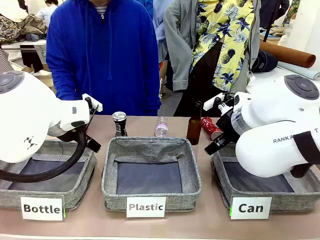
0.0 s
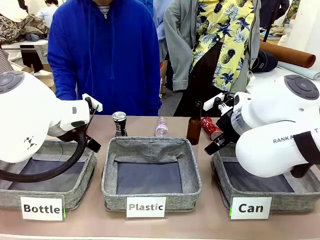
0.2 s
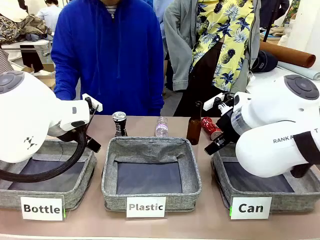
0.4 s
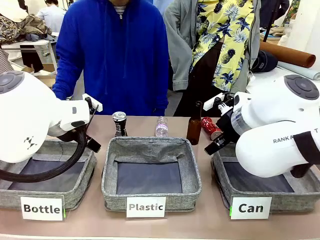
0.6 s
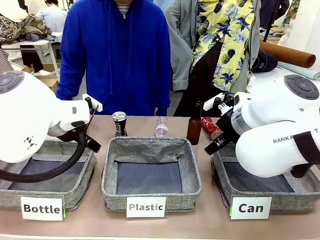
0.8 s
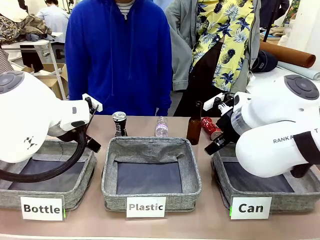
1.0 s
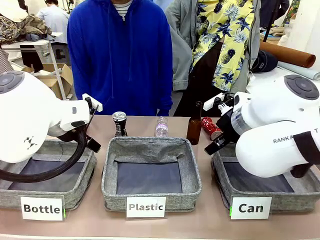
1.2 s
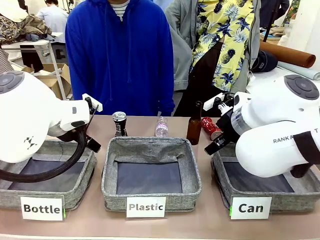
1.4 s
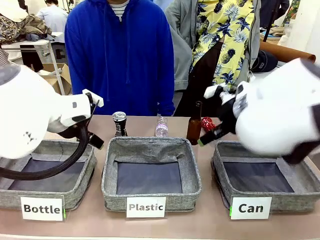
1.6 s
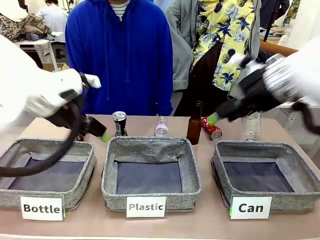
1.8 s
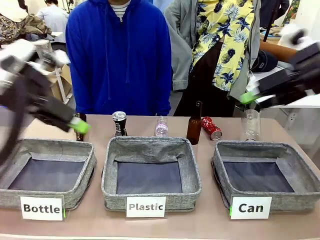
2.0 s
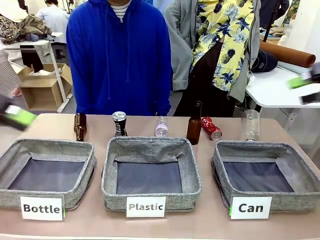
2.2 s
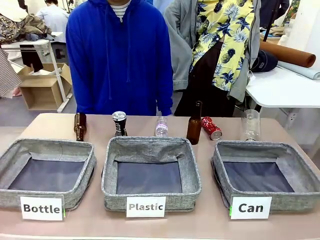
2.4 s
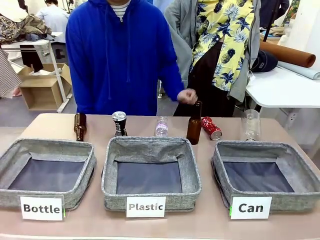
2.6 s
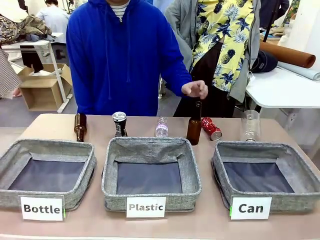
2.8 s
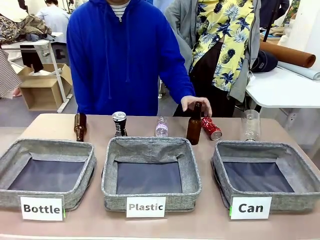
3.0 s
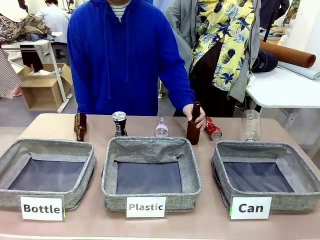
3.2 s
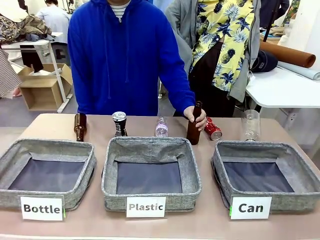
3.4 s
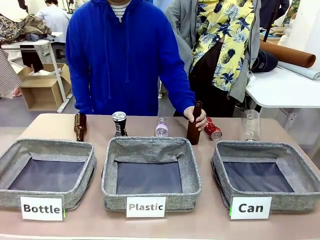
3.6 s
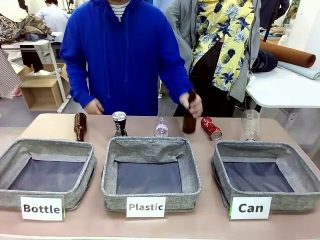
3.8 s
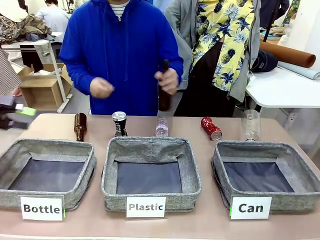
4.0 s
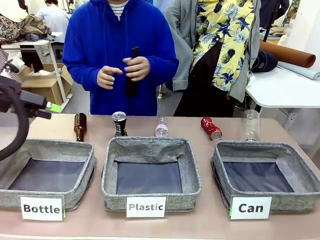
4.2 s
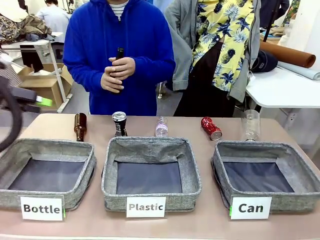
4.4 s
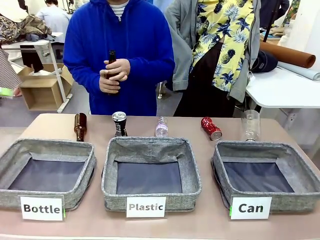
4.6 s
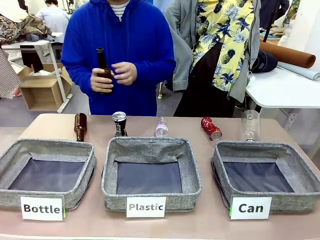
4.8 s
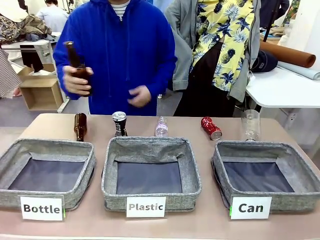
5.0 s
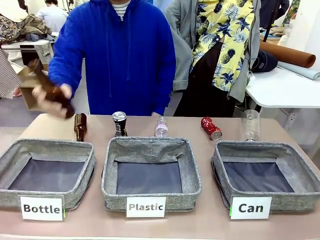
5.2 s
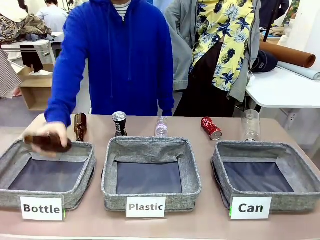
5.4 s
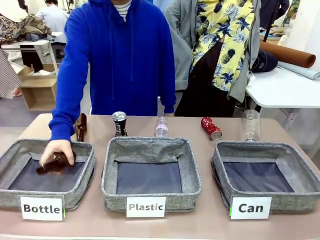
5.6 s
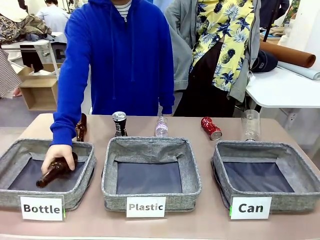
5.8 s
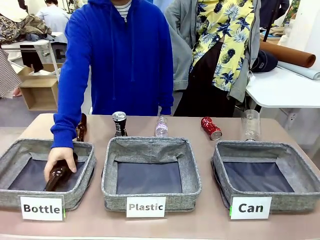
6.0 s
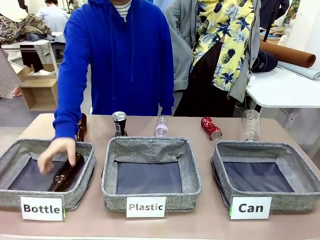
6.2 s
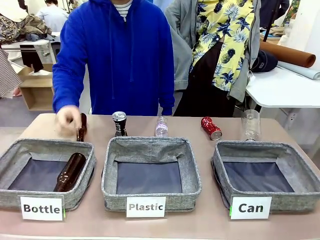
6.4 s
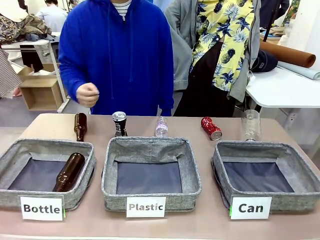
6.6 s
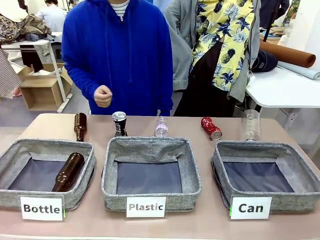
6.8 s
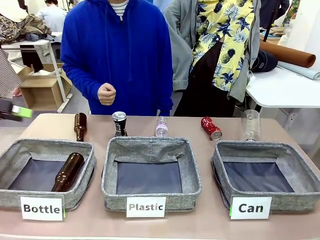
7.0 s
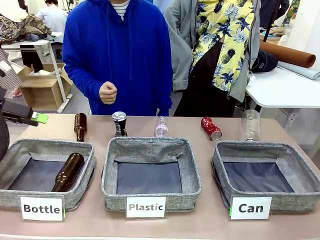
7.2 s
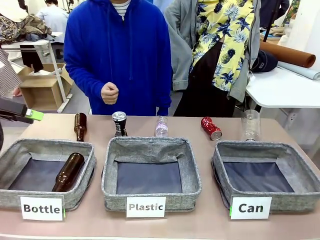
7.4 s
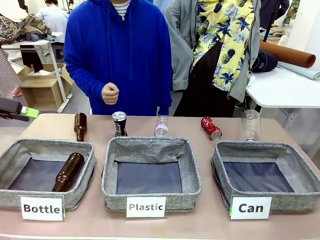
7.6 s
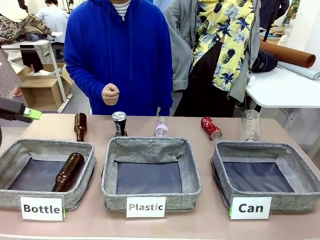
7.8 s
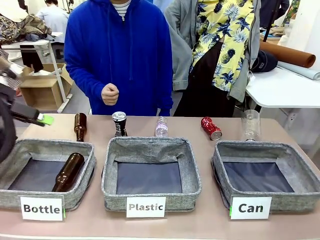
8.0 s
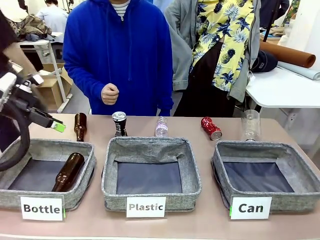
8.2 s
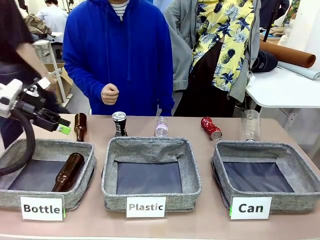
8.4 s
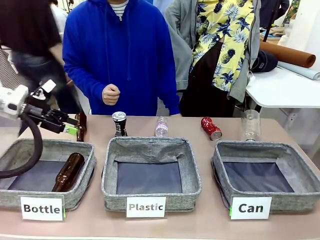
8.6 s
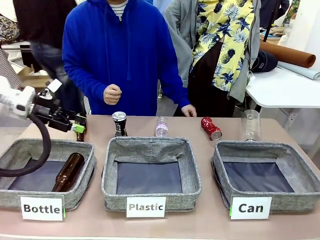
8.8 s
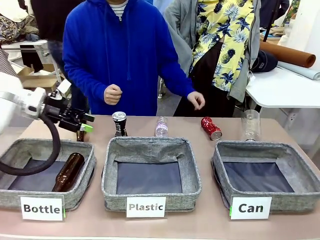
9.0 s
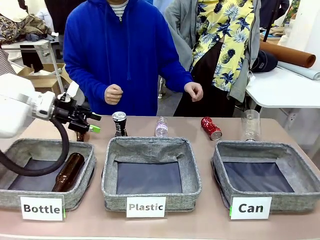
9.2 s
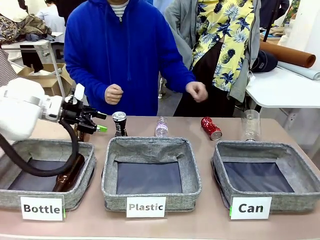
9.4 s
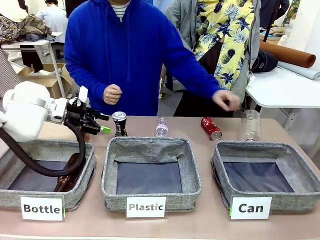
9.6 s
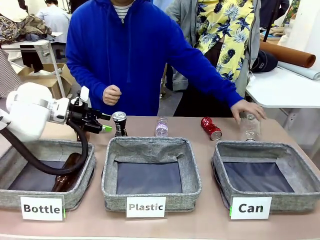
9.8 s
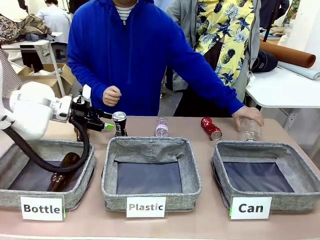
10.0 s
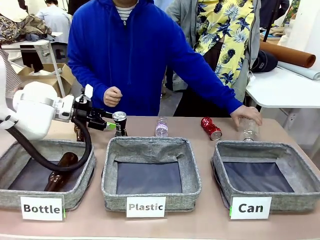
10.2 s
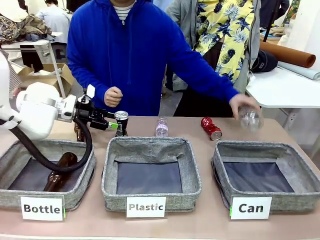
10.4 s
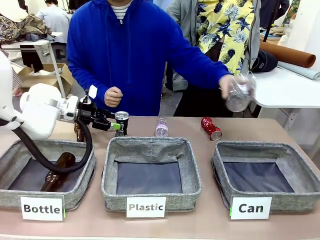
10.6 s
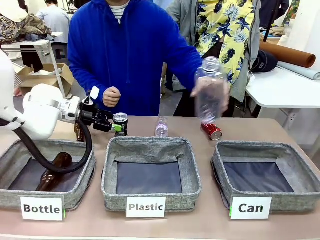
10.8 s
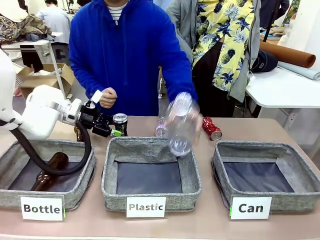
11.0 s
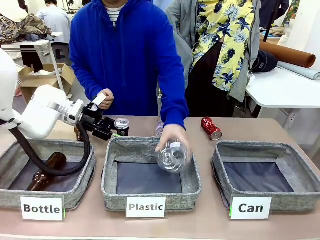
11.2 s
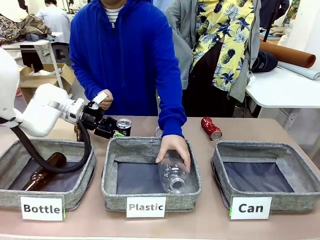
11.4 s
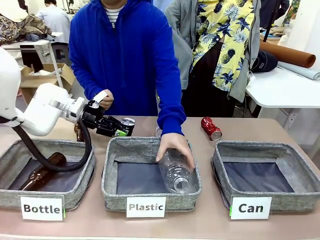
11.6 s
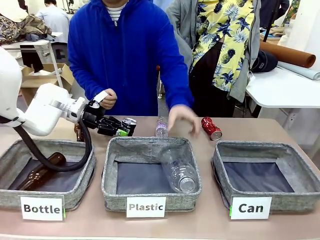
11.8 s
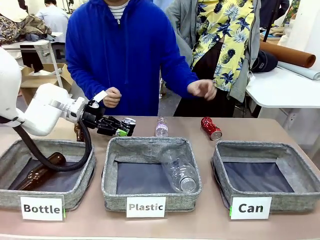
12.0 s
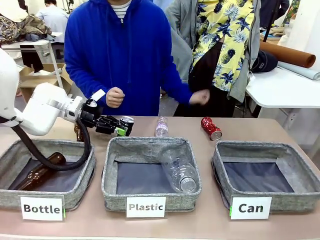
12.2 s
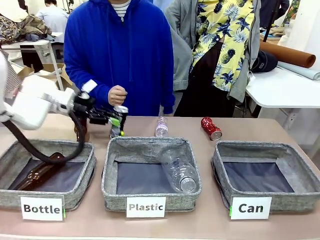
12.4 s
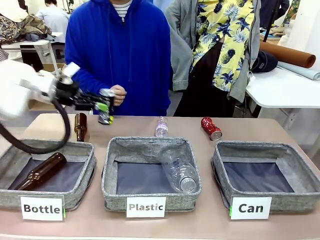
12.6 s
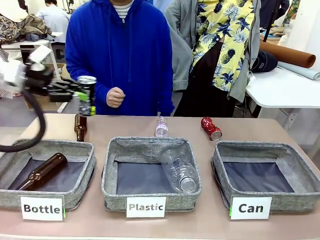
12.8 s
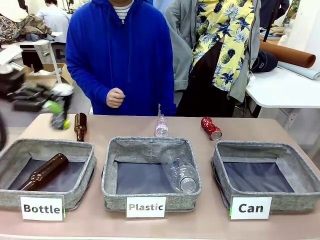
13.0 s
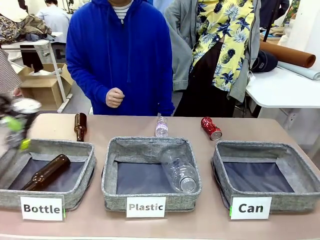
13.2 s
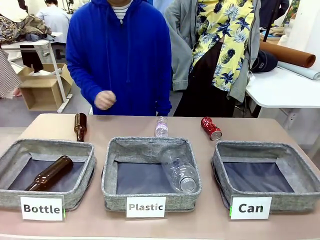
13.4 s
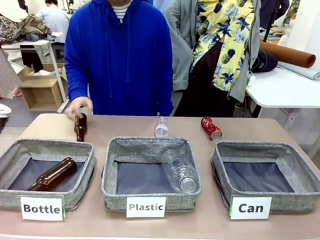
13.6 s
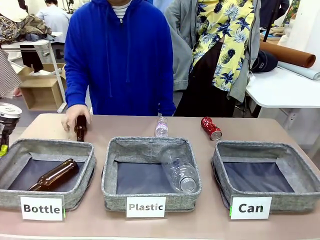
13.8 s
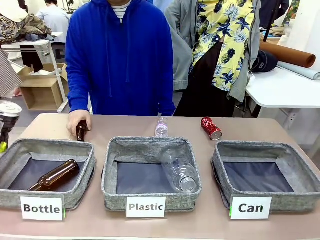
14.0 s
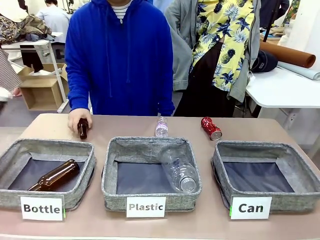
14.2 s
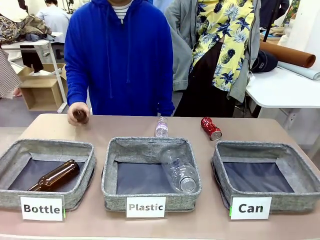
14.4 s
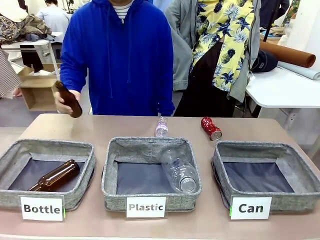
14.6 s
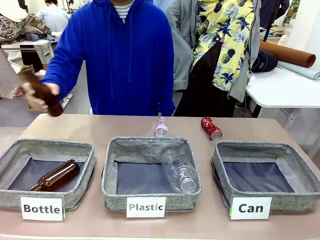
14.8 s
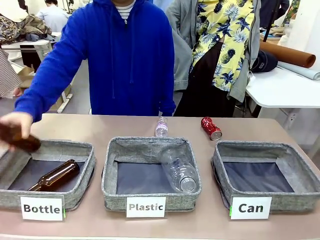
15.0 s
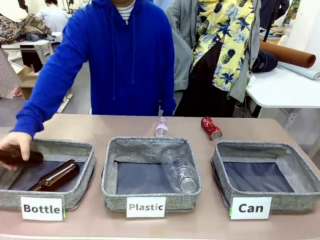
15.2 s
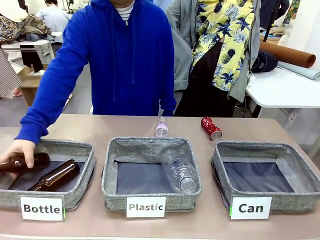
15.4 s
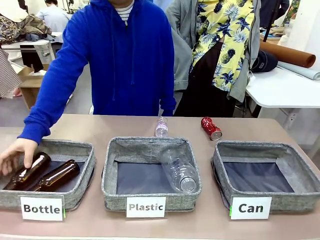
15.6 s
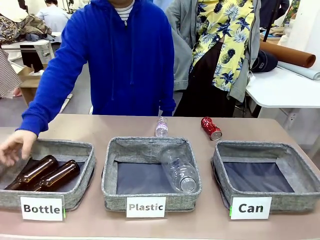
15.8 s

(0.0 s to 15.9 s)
Task: Sort the can waste into the basket.
Robot: Pick up the can waste from the table and place it in the right Fabric basket.
